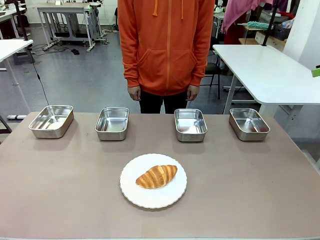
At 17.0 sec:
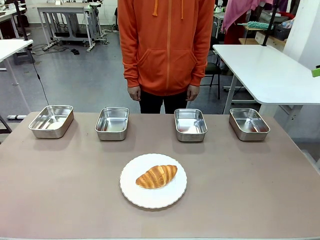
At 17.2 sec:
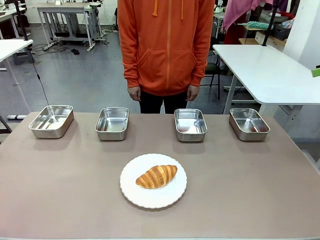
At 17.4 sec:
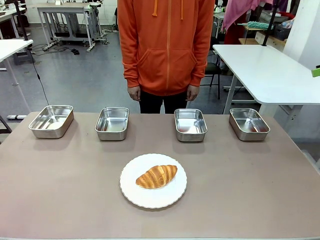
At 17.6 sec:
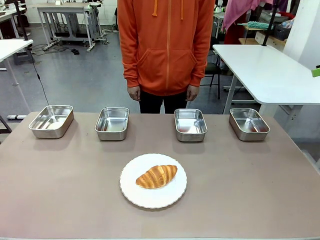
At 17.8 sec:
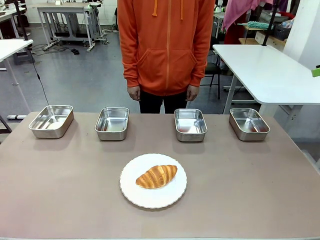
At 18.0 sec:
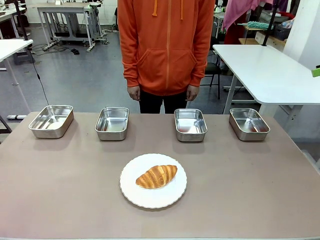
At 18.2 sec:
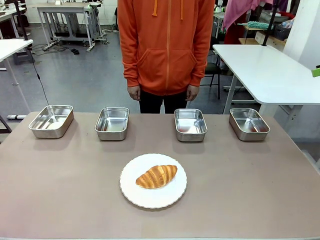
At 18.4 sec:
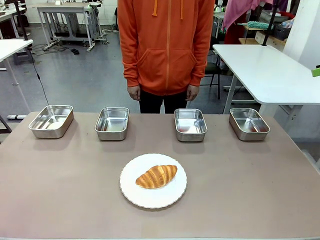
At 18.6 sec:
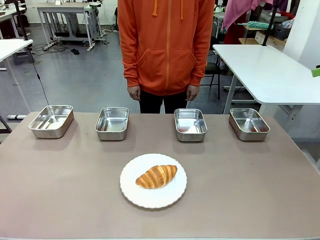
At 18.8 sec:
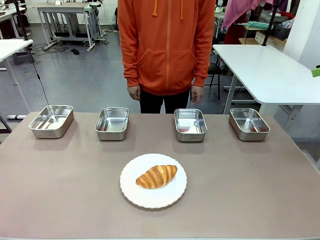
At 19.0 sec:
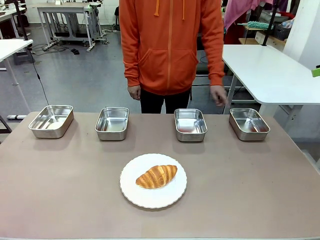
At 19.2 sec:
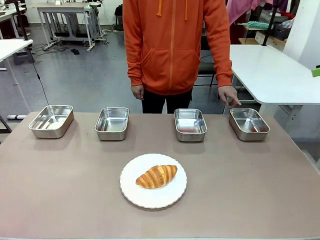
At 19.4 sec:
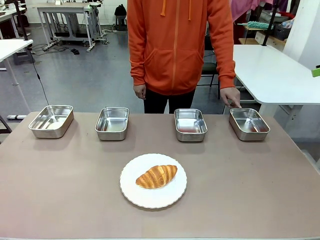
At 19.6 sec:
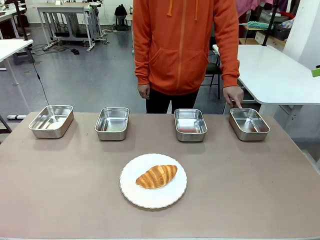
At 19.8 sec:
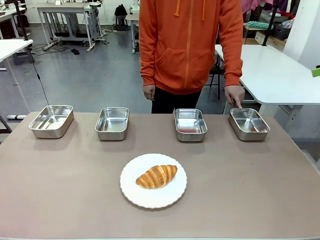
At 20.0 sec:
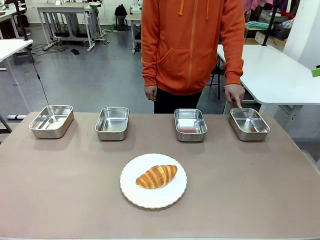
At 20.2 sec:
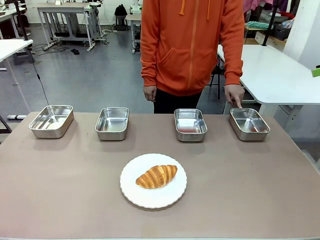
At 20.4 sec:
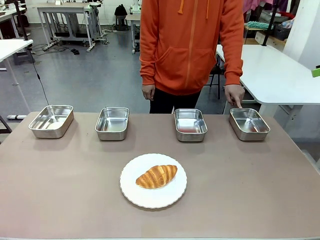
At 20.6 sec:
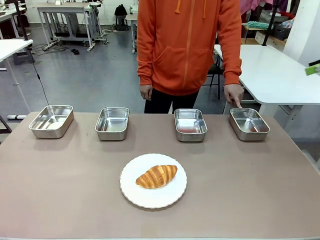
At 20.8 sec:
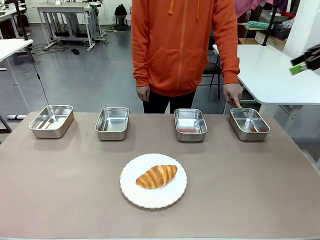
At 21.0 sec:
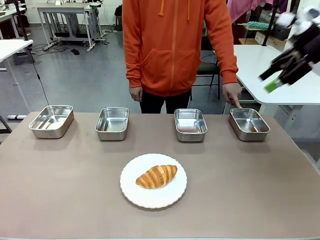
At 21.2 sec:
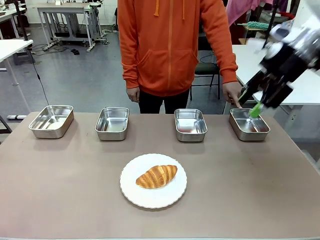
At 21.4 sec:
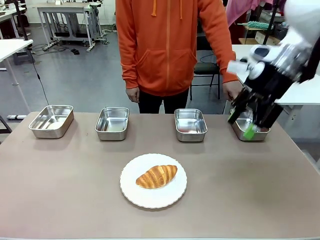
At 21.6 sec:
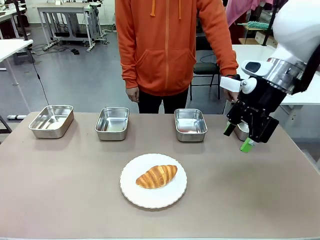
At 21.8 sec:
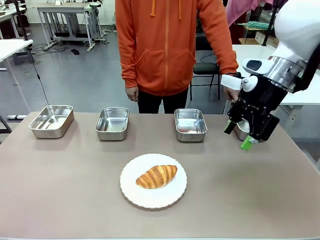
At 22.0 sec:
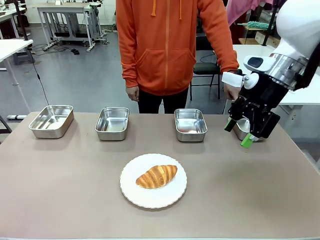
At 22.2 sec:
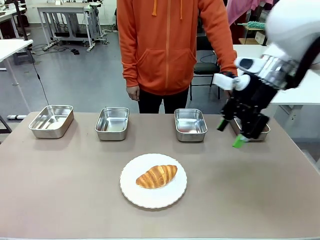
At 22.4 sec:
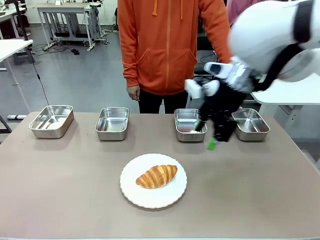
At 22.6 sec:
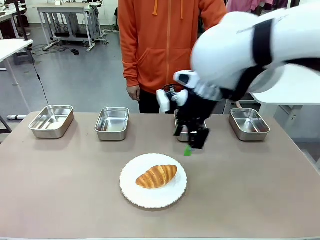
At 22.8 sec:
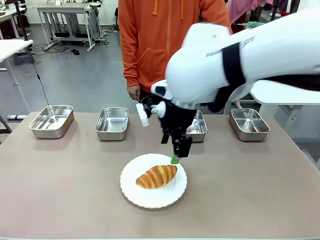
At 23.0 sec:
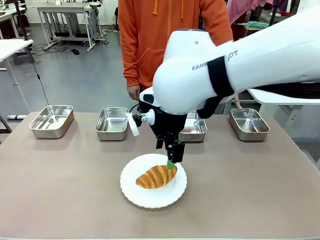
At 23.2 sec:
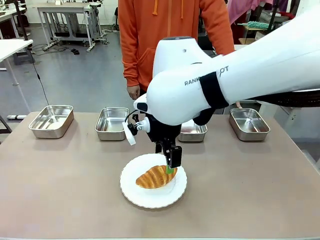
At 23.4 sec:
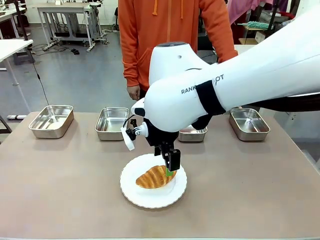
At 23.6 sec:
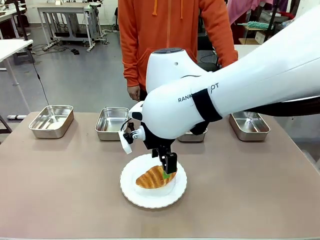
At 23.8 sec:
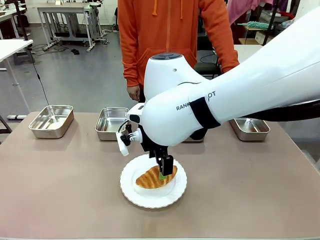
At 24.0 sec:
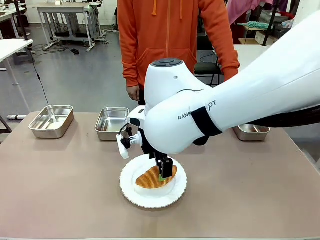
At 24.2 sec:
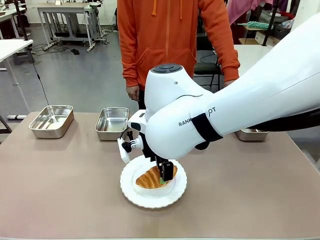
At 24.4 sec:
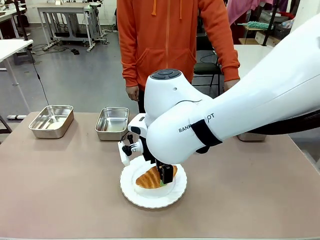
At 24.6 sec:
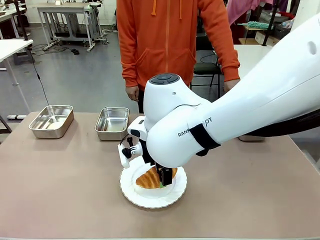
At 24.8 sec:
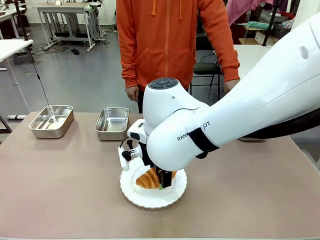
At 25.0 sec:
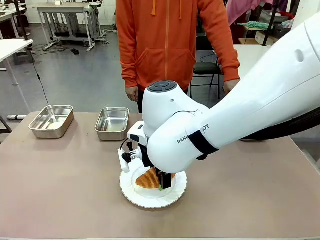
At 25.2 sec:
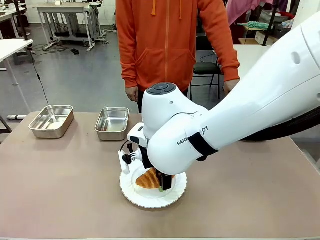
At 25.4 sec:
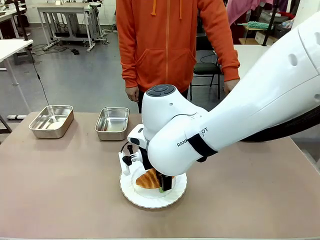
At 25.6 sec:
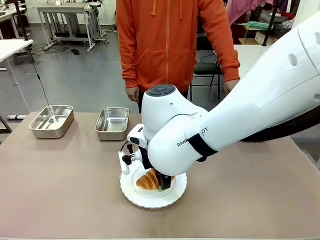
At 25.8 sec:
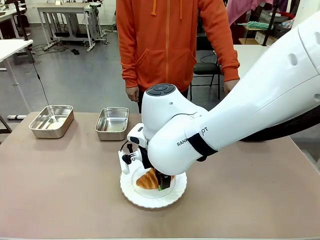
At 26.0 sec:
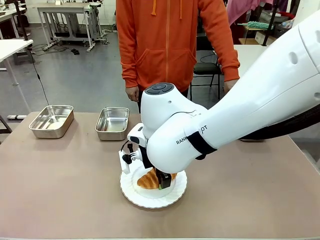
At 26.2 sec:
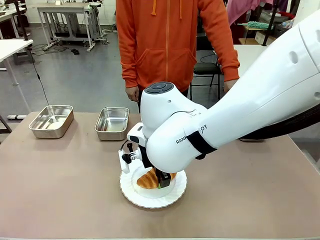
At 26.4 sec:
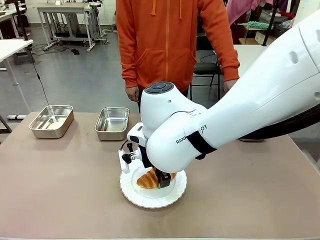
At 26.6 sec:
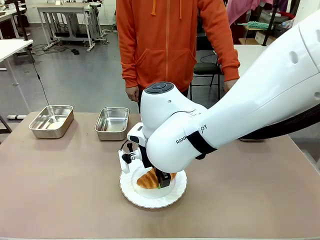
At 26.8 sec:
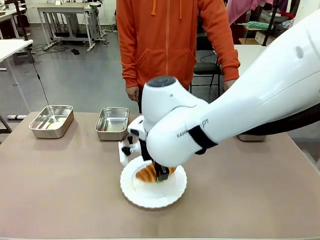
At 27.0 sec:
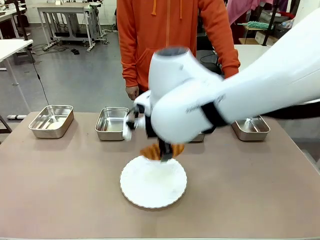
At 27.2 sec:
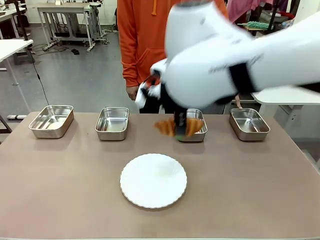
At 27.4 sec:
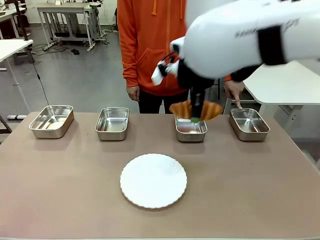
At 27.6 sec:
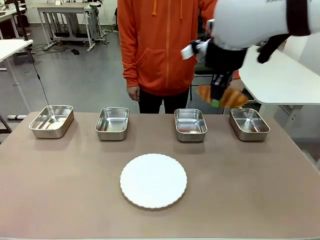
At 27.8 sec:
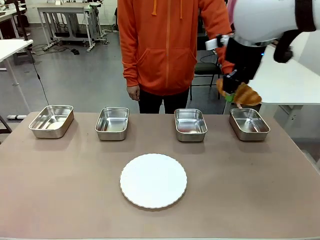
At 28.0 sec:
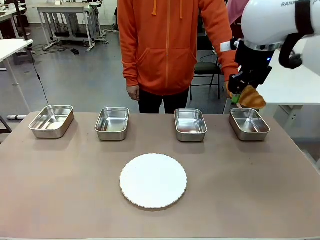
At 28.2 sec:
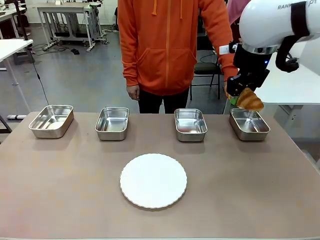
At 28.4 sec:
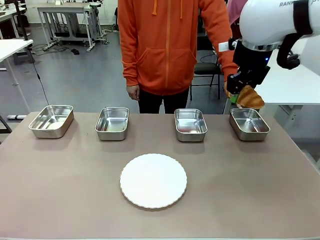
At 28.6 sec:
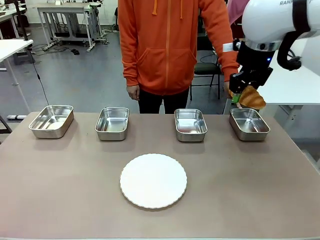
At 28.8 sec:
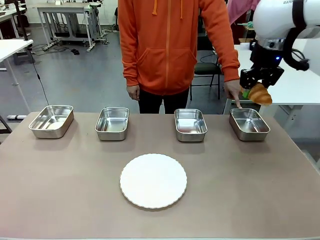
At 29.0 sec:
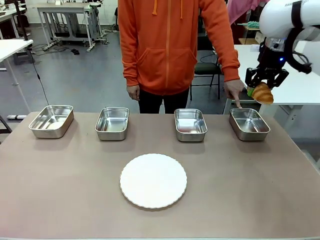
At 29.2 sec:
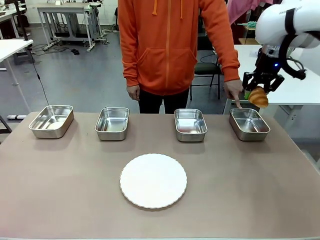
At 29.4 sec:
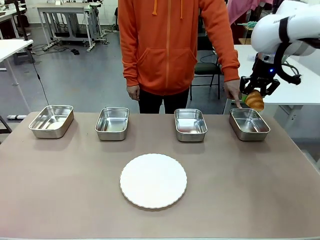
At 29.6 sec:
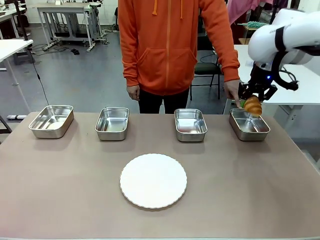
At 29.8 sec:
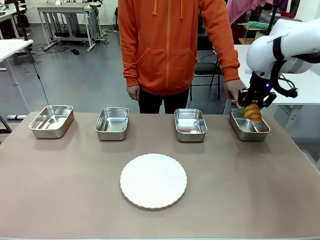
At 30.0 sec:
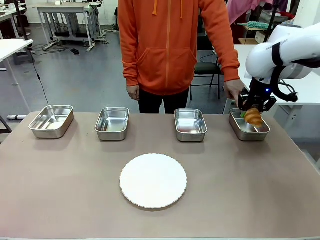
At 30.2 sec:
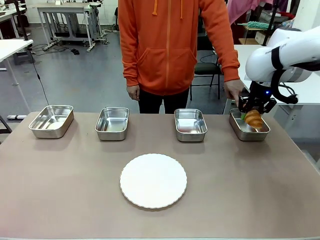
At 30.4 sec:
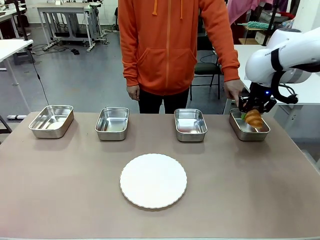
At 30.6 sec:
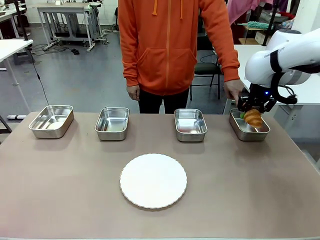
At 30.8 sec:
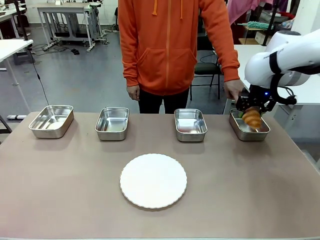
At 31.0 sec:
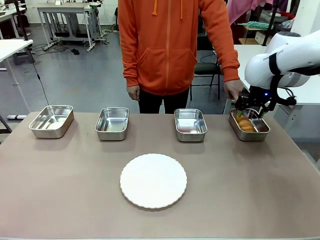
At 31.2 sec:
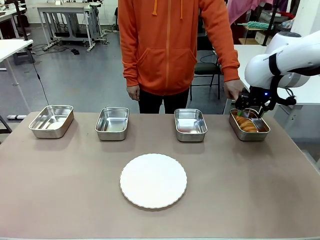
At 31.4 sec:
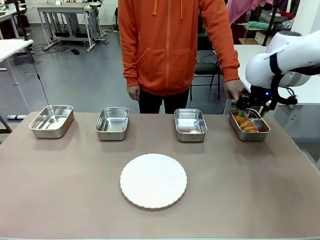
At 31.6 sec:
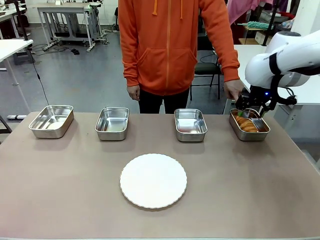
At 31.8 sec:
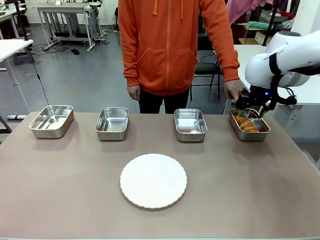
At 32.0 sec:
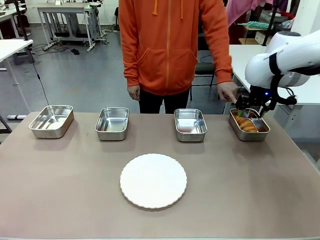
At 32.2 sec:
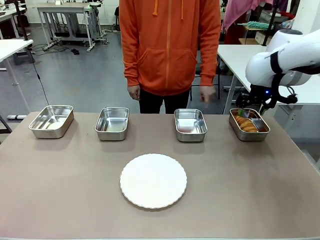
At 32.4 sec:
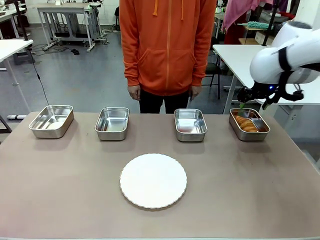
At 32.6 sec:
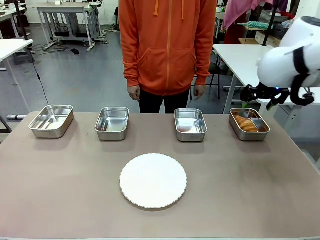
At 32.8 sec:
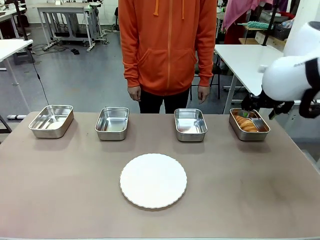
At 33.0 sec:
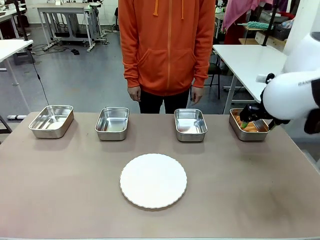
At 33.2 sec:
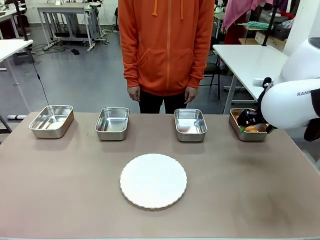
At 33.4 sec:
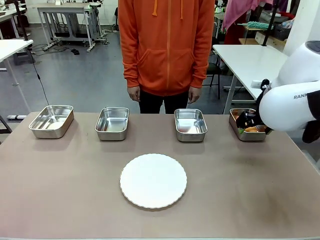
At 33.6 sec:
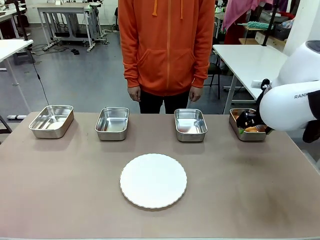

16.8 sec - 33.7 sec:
Task: Place the bread in the container.
Robot: Place the Butter Roll into the Airtight Container indicated by the human.
Person: A person randomly selects and points to an Airtight Container.

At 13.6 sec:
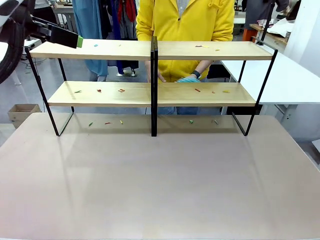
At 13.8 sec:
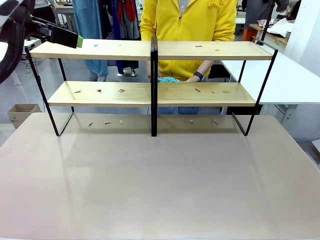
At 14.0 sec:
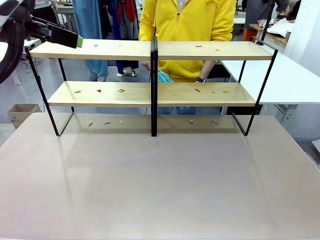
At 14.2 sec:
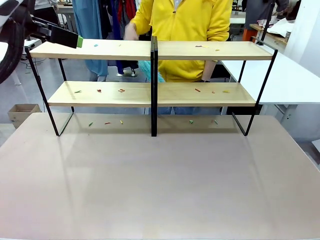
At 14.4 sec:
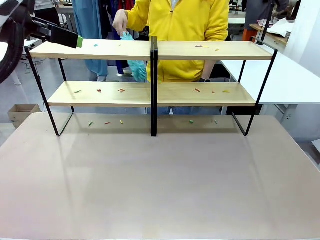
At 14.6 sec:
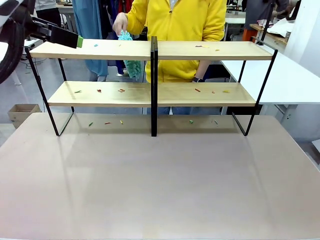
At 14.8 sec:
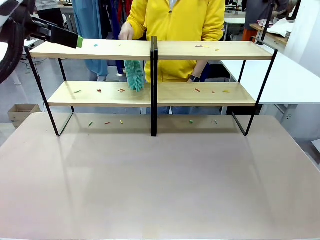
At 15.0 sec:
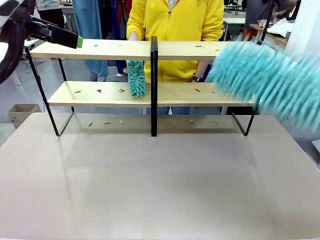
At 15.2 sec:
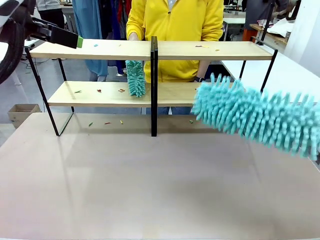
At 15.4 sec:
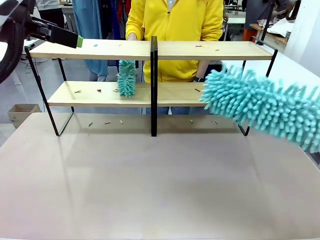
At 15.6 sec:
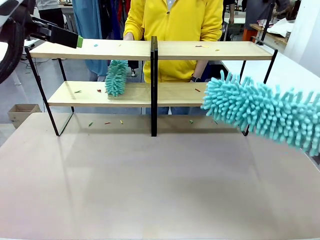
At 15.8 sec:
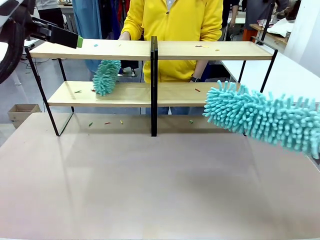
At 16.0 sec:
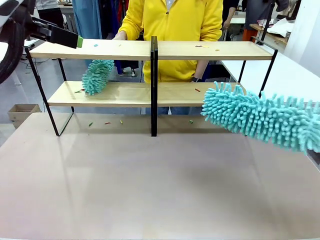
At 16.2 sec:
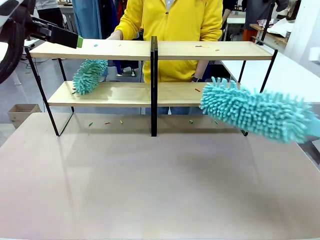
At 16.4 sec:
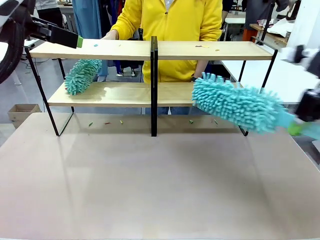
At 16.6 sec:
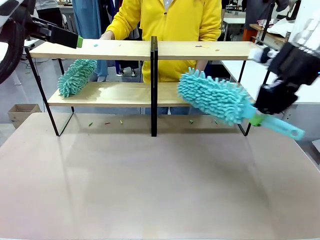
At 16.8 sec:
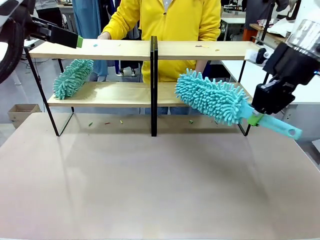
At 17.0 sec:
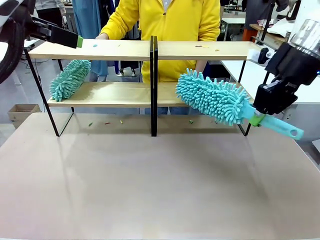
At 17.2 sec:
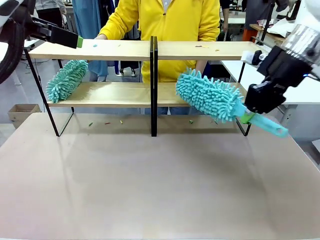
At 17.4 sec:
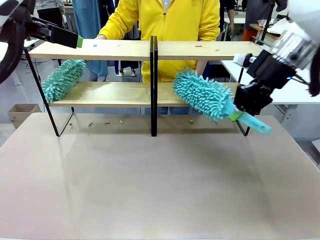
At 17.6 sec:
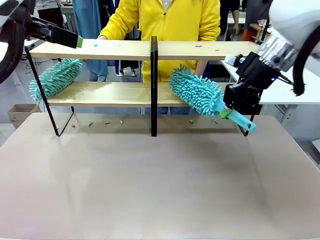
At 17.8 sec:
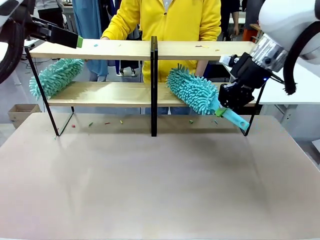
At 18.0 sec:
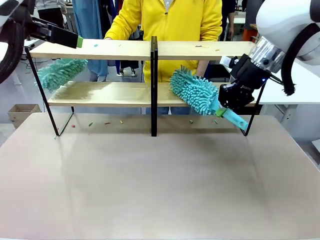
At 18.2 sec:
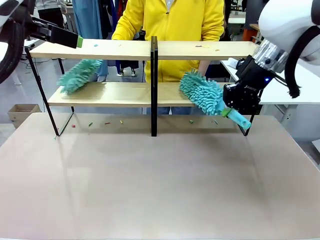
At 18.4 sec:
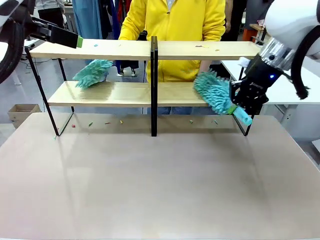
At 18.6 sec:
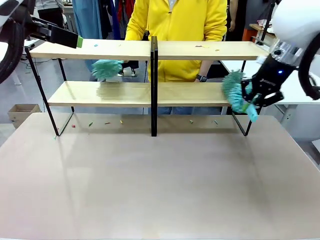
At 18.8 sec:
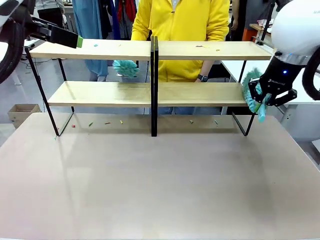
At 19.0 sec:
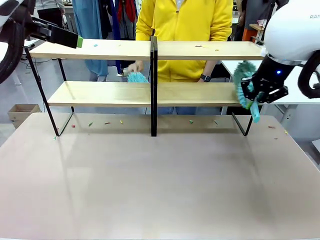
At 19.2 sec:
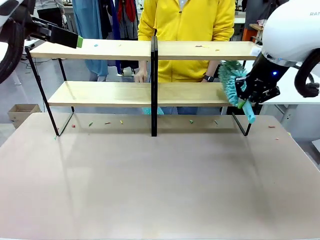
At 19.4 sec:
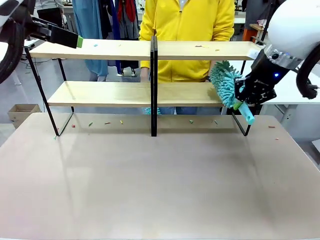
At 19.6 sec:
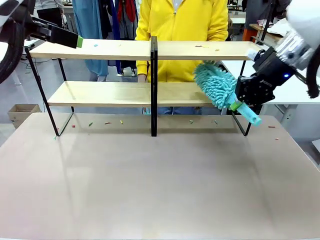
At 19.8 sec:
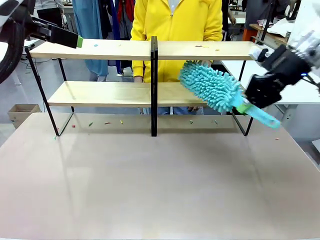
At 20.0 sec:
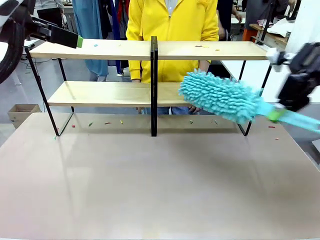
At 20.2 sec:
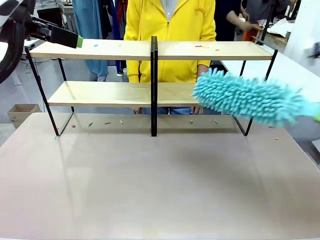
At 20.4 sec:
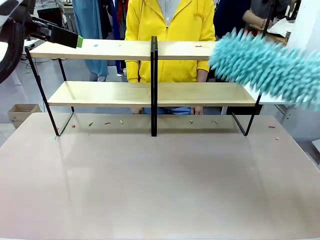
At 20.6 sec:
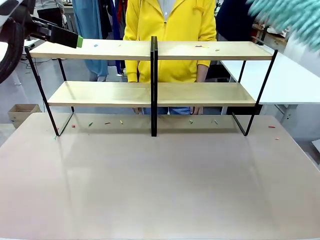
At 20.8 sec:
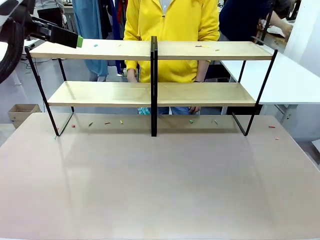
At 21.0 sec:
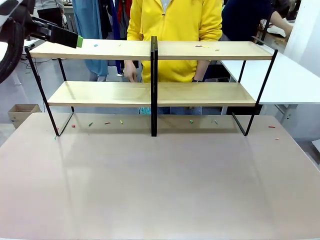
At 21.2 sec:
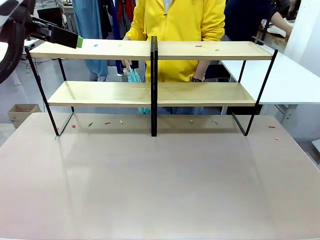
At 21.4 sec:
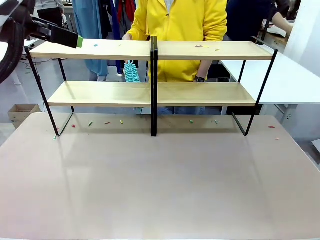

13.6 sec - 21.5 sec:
Task: Clean the shelves.
Robot: Clean a randomly selected level of the Shelf with the Duster.
